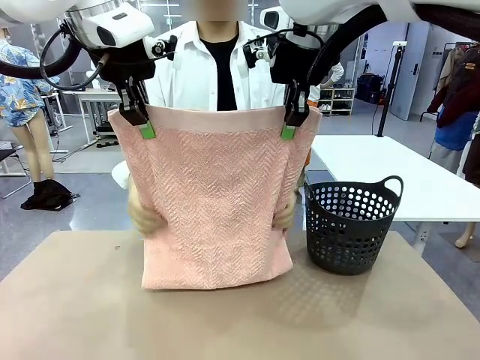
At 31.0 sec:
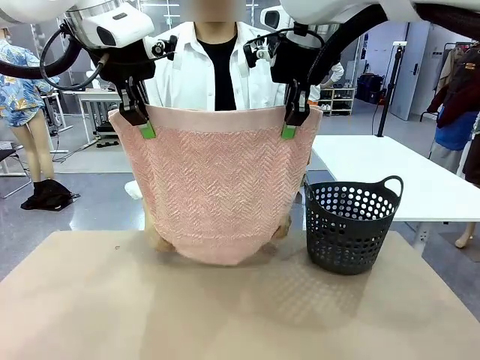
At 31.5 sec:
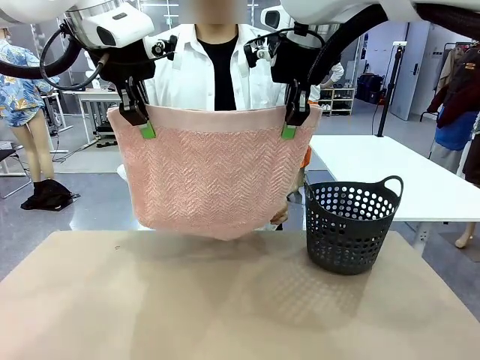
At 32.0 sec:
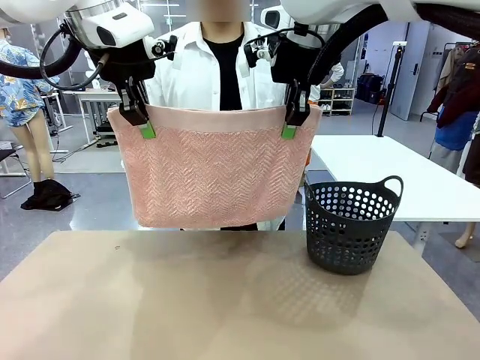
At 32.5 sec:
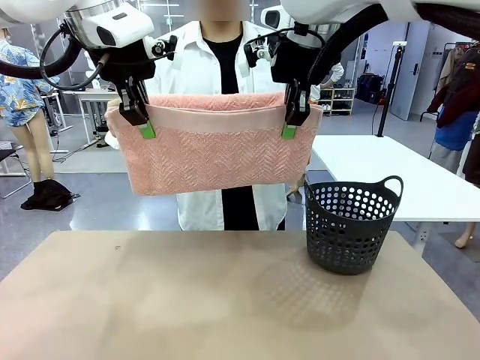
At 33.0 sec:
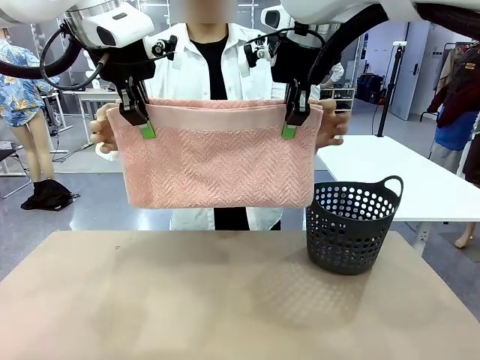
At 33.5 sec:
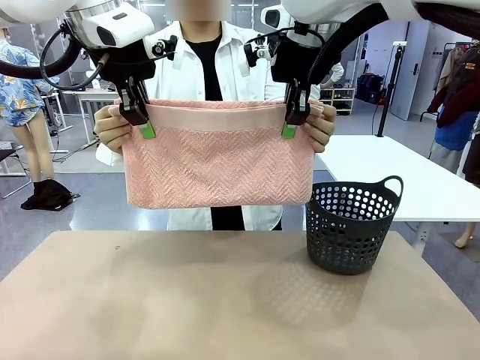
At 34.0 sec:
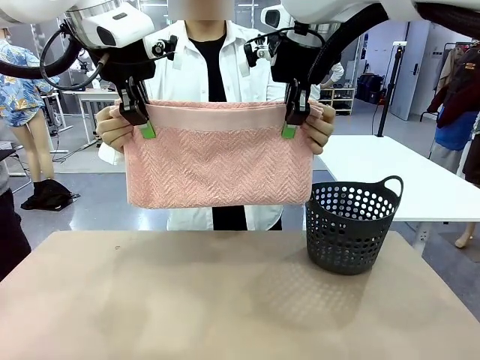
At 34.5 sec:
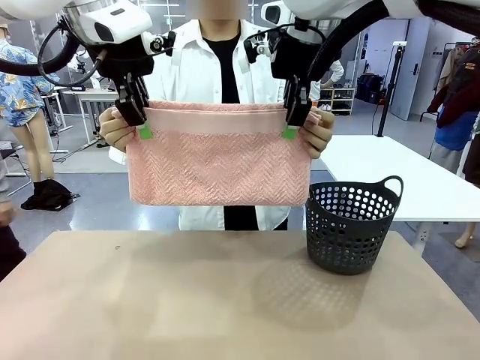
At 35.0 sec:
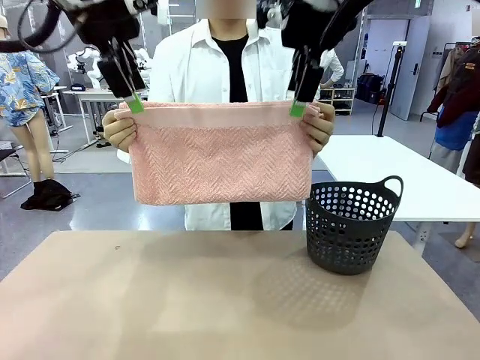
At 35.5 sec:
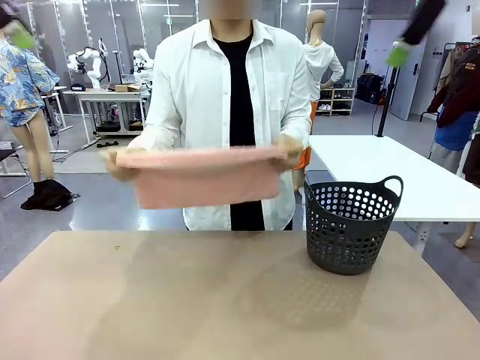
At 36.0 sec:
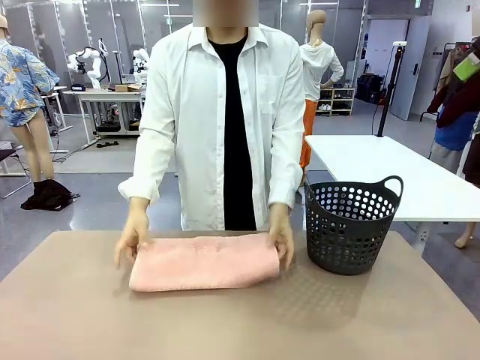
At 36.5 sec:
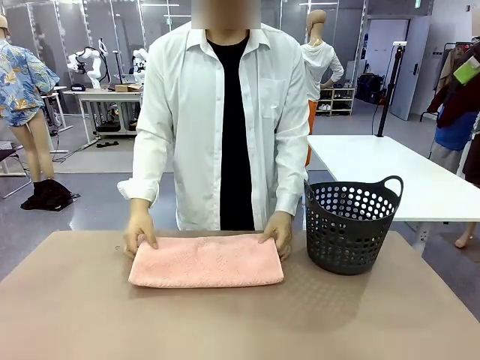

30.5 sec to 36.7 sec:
Task: Fold the towel.
Robot: Release the end of the 100 cm Hotel Towel you were holding.

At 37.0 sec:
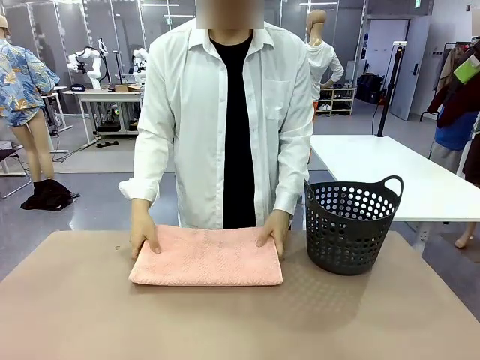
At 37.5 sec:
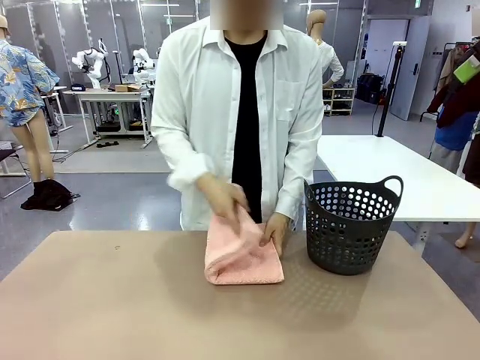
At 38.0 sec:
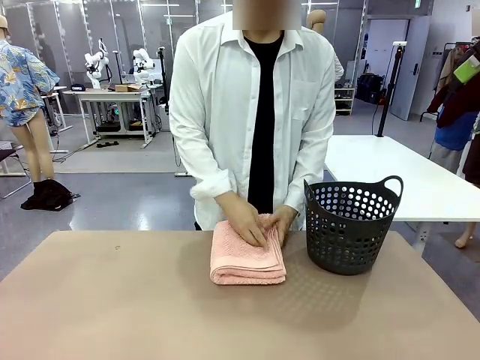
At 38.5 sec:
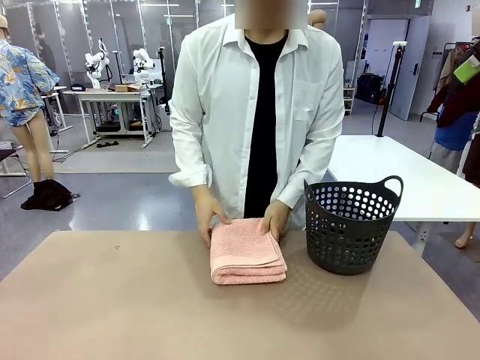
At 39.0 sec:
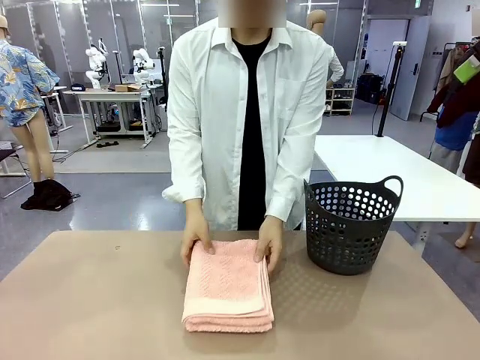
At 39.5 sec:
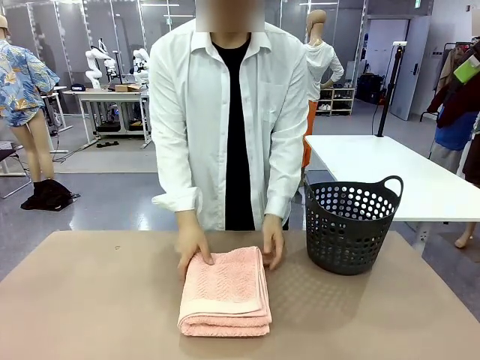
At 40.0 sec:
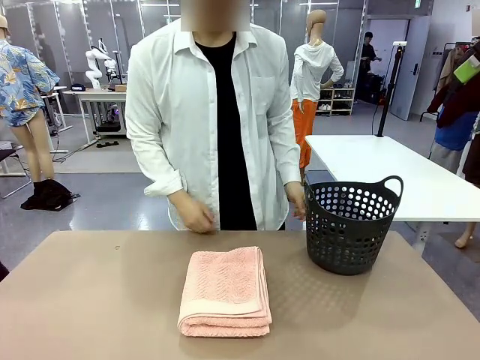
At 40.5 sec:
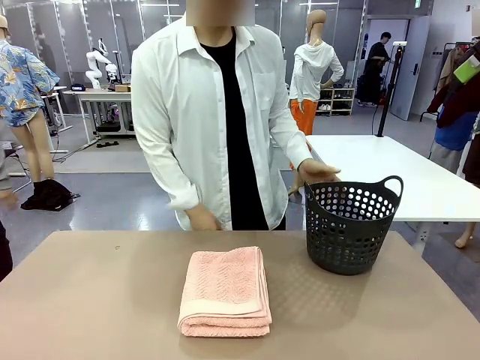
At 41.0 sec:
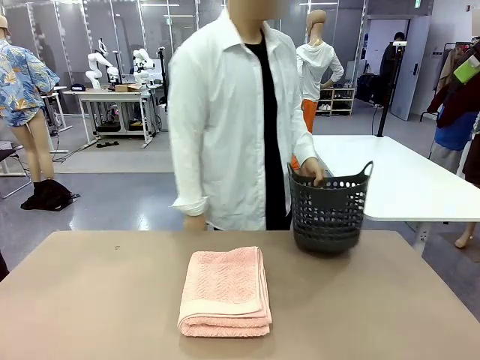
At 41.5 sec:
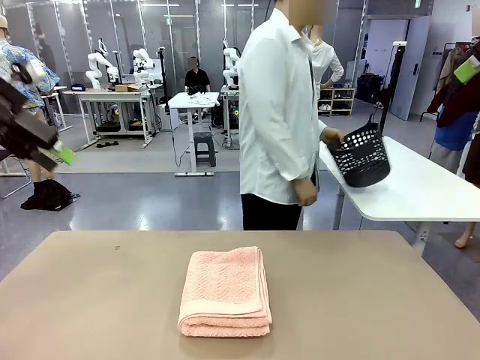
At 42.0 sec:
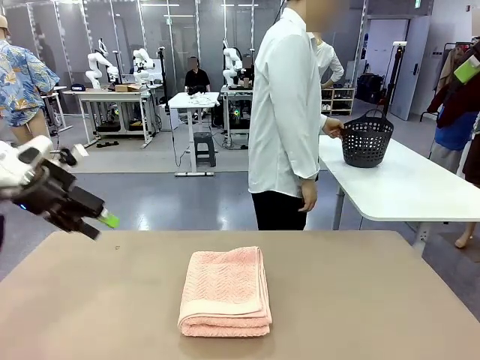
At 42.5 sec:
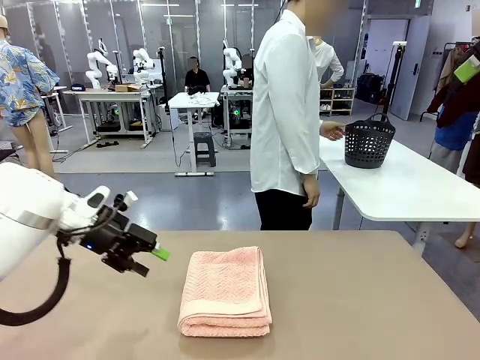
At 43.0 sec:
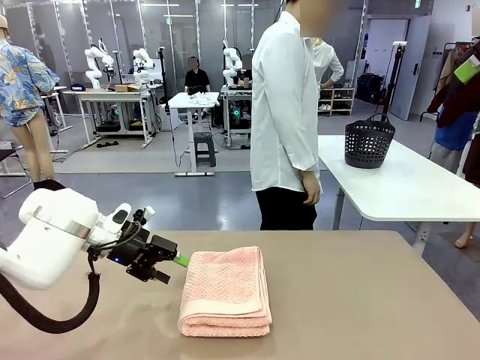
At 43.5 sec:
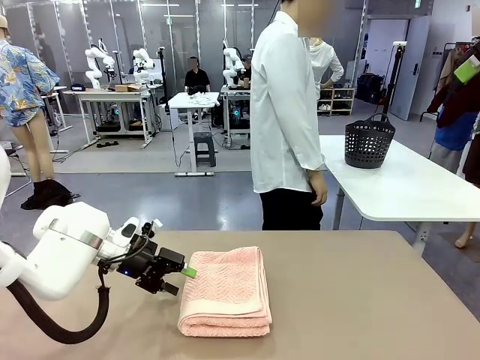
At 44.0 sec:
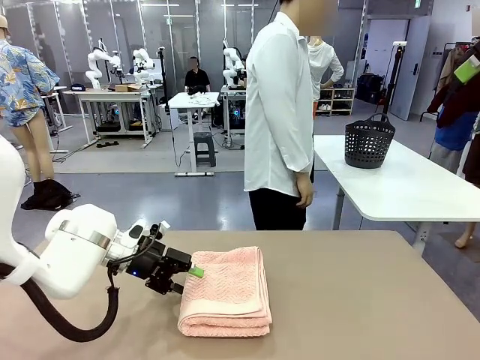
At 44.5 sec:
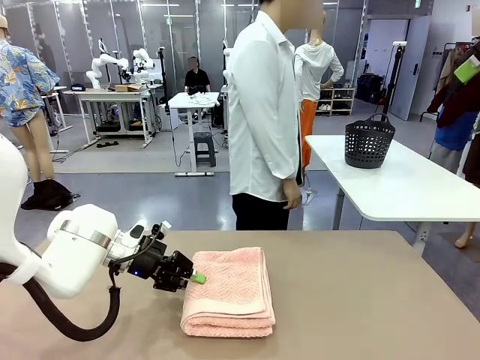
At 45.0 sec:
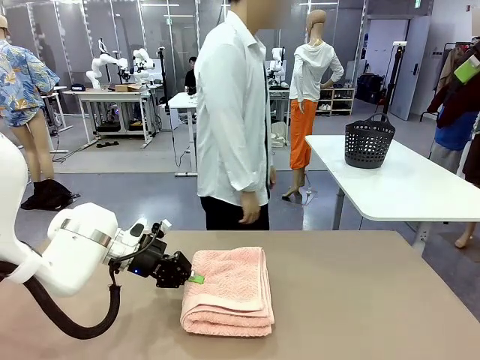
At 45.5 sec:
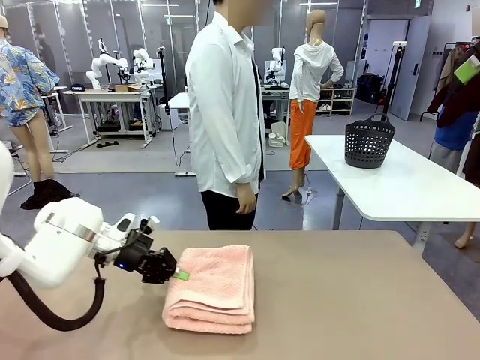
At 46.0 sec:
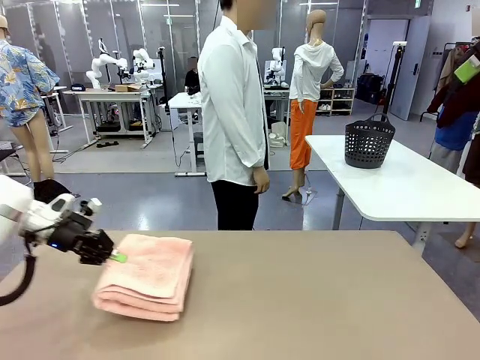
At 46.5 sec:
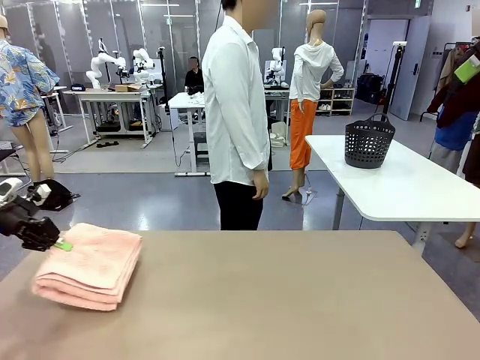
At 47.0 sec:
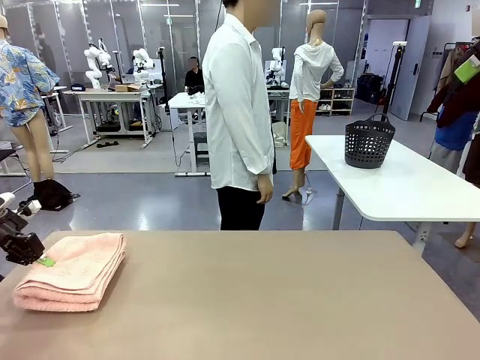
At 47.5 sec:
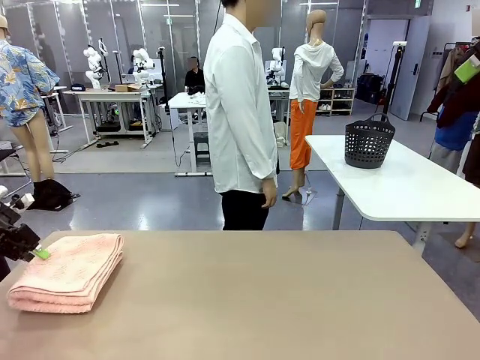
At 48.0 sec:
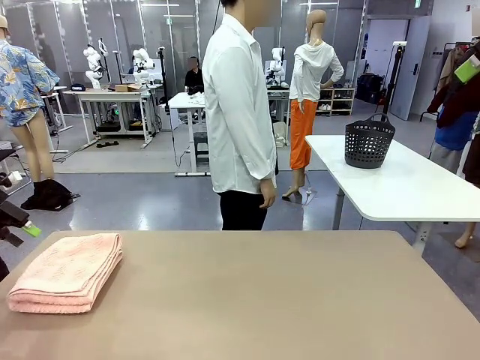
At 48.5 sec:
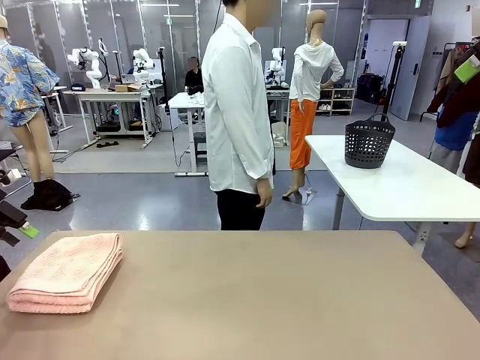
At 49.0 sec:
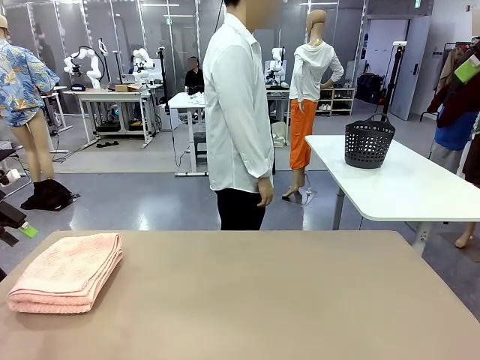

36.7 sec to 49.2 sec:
Robot: Pick up the 100 cm Hotel Towel and place it on the left side of the table.
Person: Place the towel at the center of the robot table and fold it in half. Pick up the laundry basket and place it at the center of the human table.
